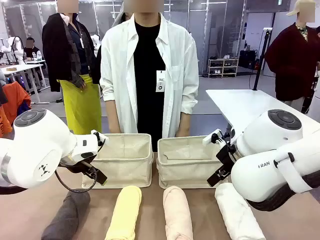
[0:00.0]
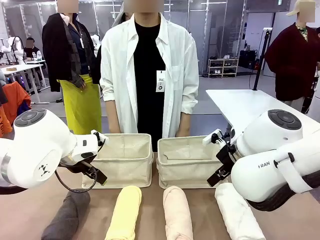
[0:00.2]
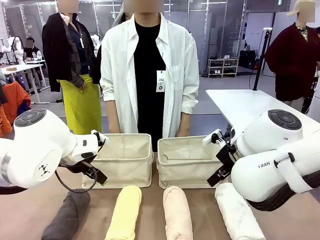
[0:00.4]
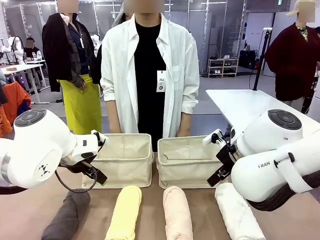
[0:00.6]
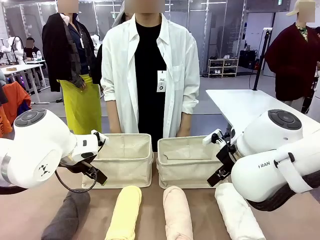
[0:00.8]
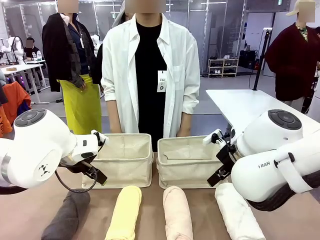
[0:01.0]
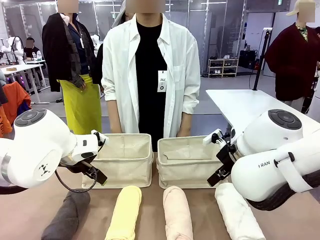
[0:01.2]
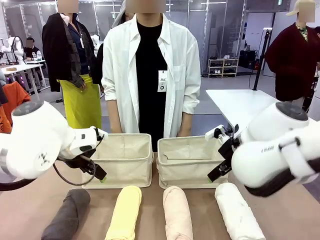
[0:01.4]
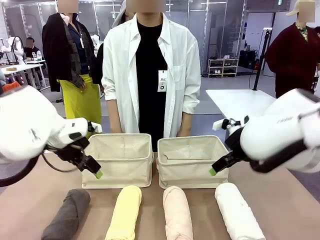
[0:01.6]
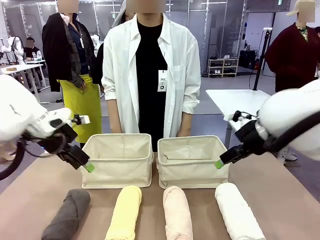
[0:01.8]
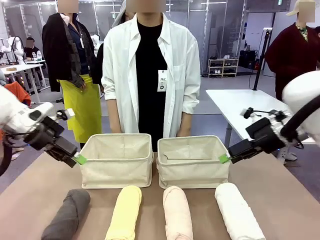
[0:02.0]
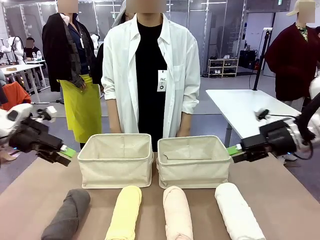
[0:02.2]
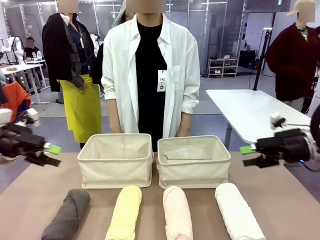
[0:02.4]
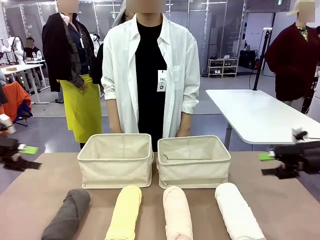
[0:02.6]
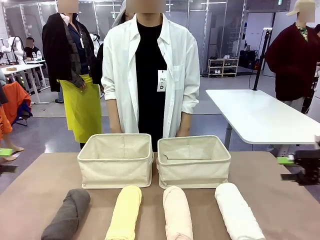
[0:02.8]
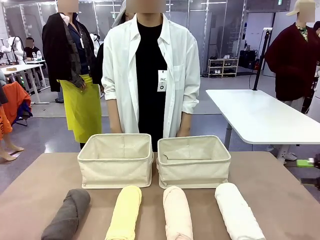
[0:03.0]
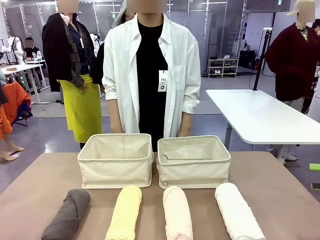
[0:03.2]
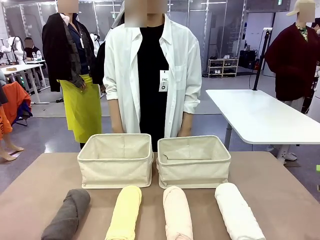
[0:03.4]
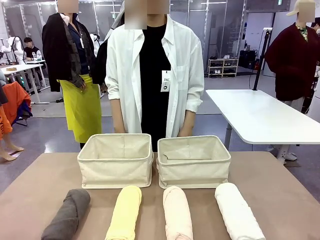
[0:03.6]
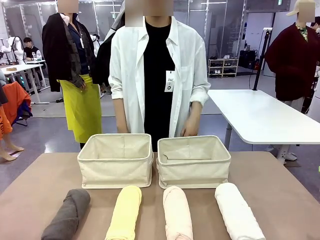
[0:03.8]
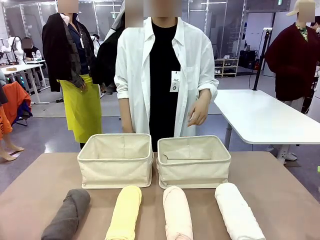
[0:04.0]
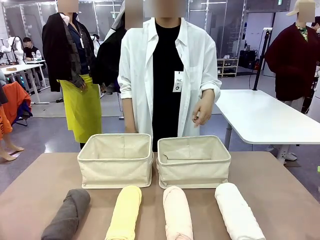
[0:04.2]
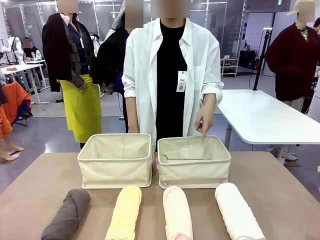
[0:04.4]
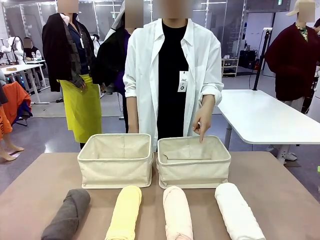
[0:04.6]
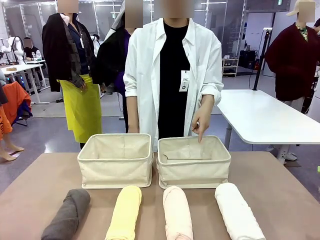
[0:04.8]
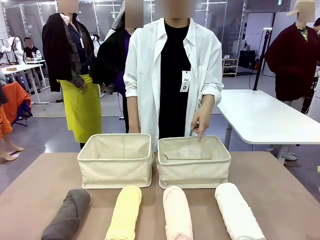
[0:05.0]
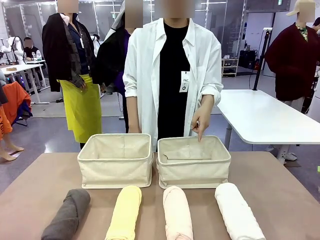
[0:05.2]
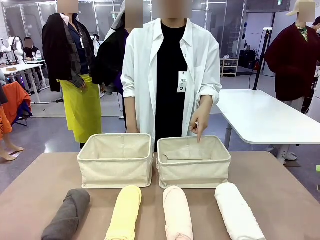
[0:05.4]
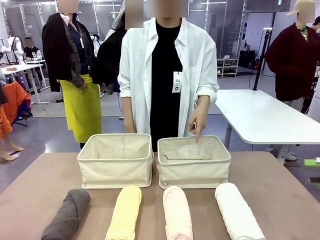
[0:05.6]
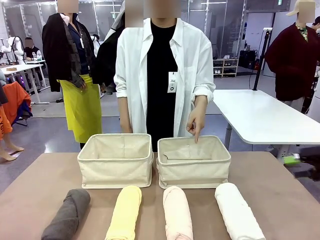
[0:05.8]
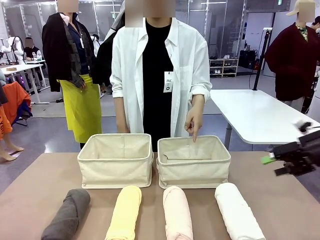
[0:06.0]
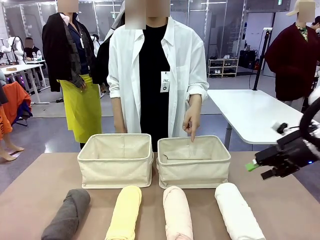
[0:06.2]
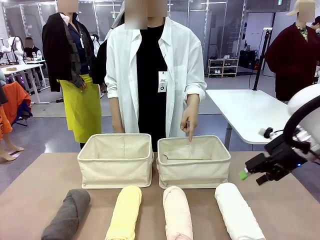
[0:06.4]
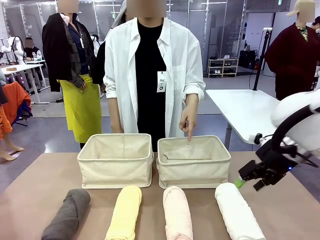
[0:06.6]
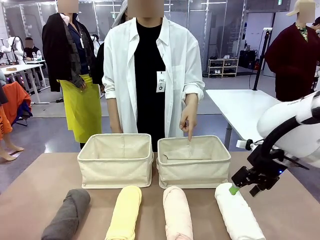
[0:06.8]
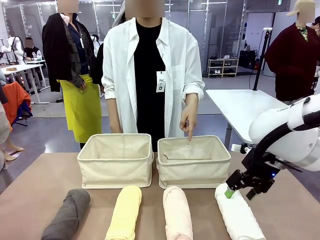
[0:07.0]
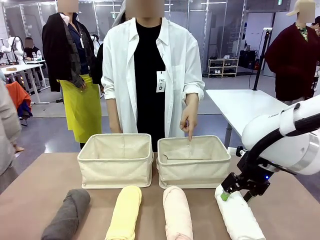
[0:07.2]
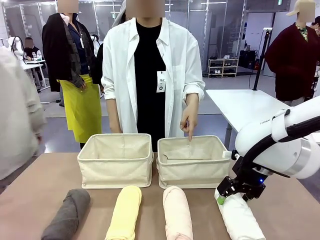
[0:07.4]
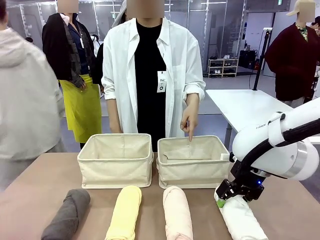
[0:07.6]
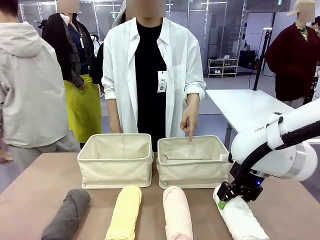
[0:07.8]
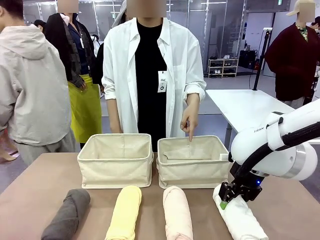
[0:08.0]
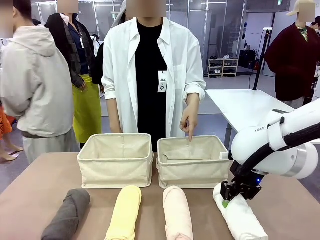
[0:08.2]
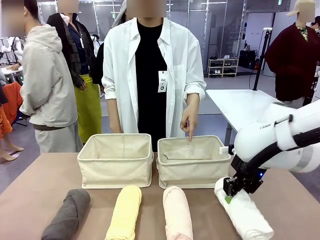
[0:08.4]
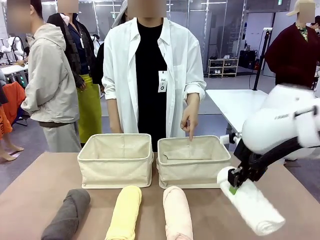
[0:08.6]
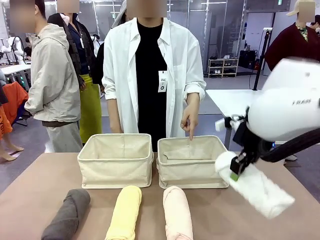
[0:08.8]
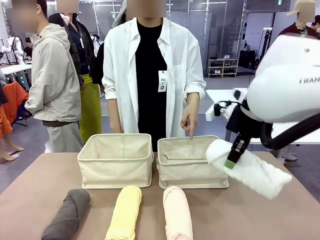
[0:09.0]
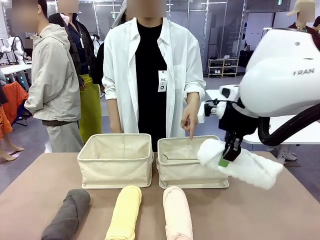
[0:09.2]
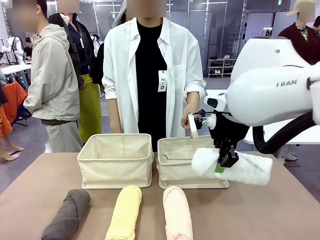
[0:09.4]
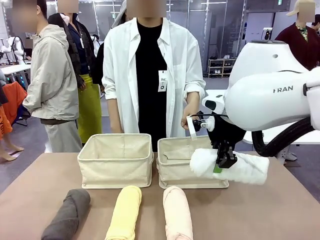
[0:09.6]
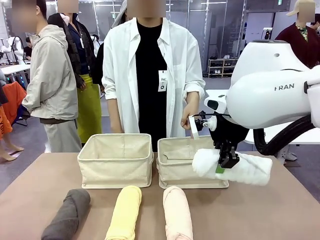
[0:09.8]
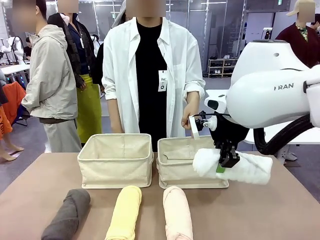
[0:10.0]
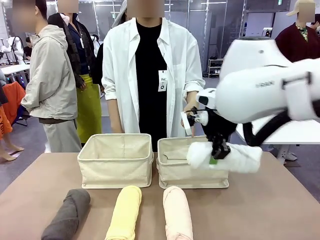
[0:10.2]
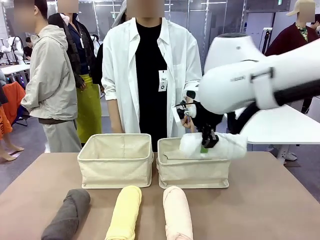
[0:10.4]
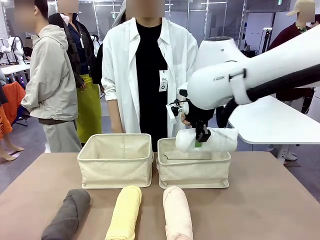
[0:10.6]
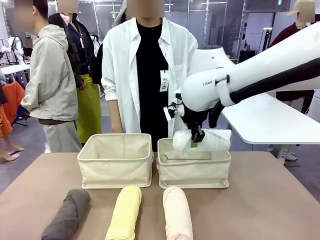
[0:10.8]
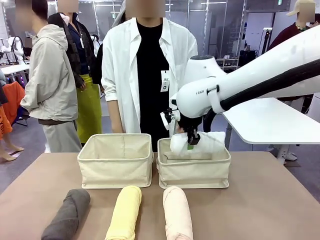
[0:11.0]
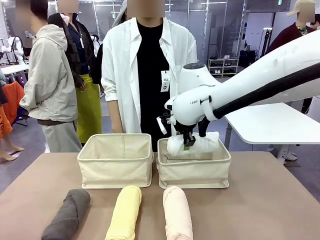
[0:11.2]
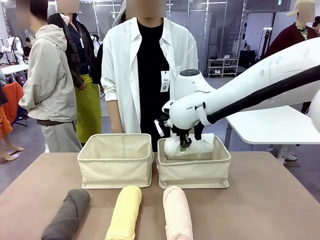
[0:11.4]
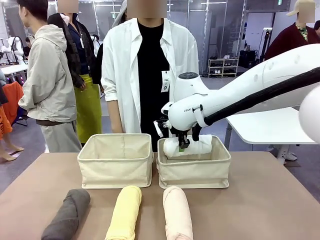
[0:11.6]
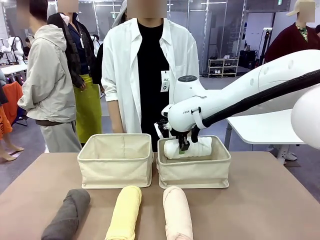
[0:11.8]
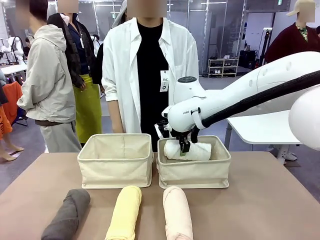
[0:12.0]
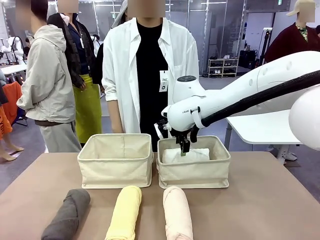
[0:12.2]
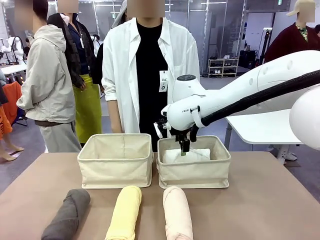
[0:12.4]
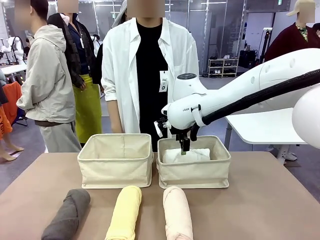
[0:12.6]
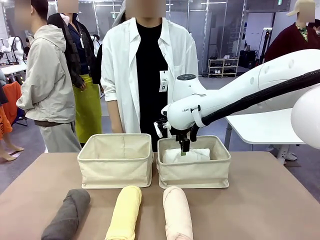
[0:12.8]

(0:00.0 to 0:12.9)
Task: Divide the towels into two baskets.
Robot: Pick up one hotel-folded towel and place it in the Fabric basket indicated by the person.
